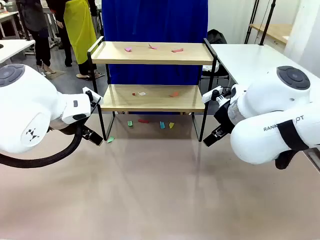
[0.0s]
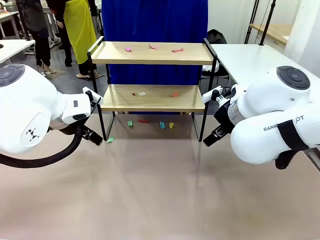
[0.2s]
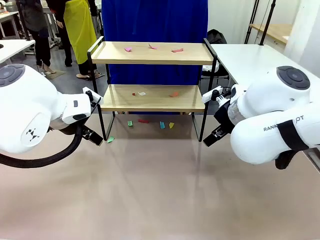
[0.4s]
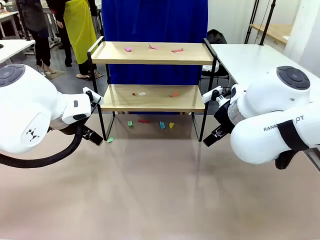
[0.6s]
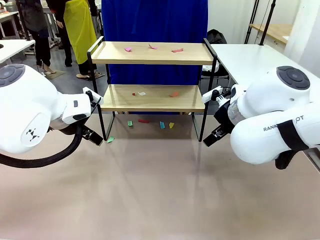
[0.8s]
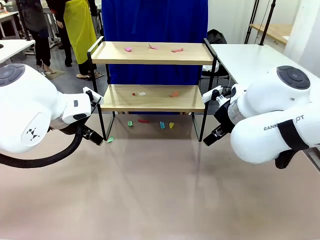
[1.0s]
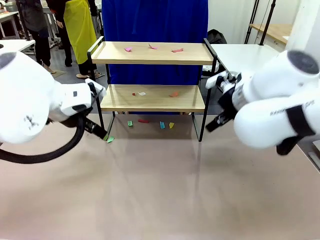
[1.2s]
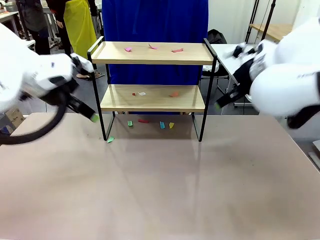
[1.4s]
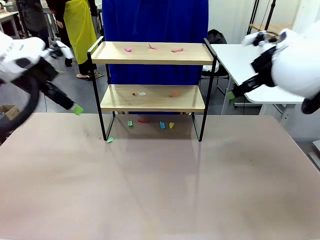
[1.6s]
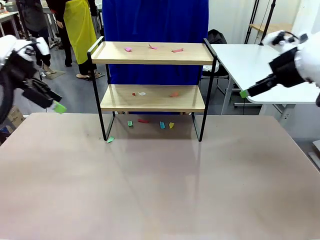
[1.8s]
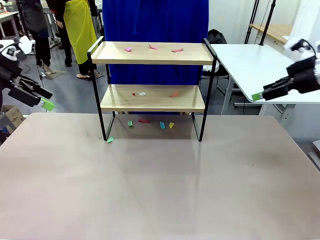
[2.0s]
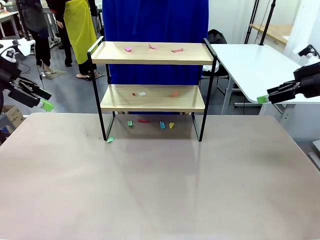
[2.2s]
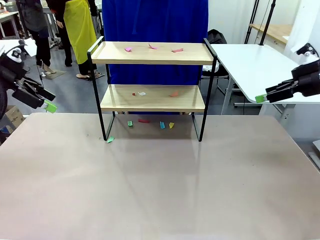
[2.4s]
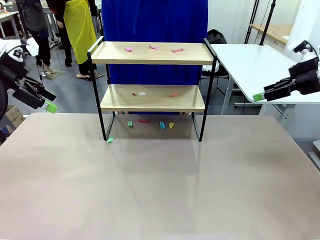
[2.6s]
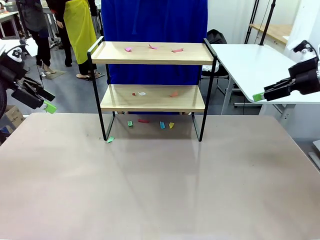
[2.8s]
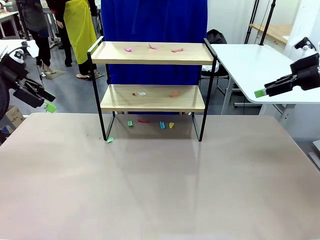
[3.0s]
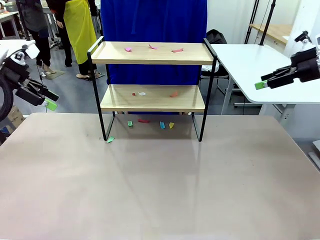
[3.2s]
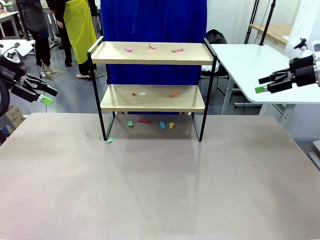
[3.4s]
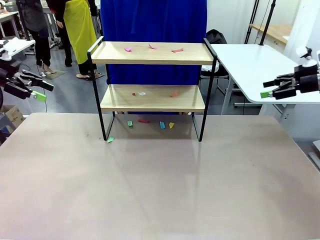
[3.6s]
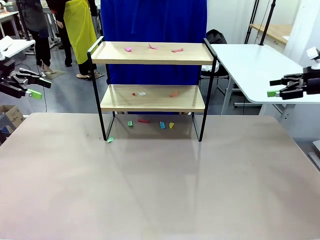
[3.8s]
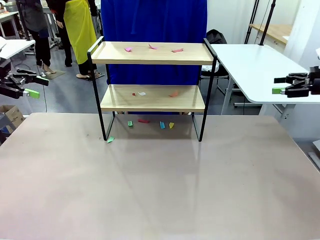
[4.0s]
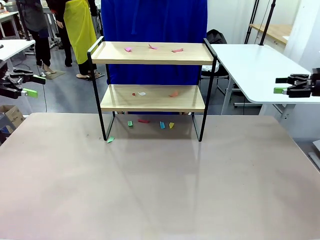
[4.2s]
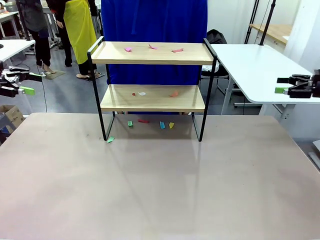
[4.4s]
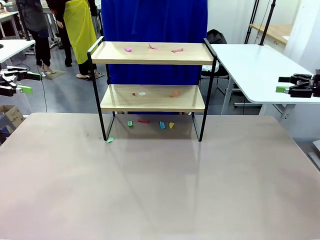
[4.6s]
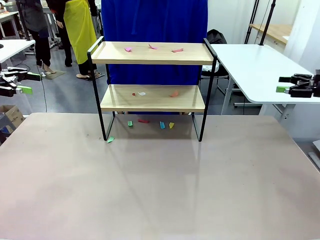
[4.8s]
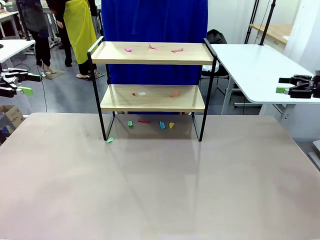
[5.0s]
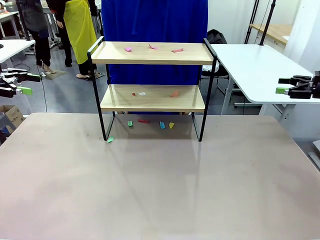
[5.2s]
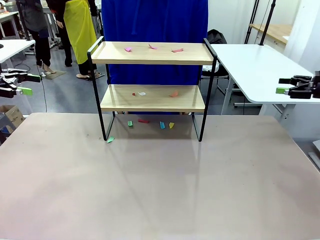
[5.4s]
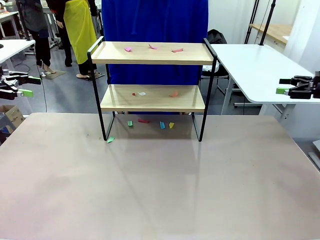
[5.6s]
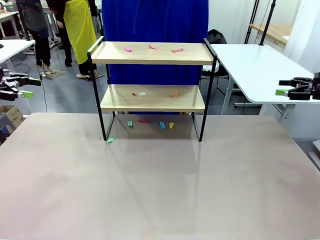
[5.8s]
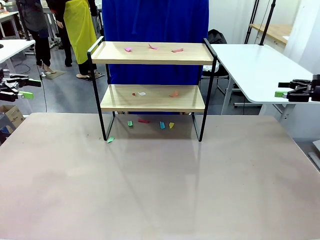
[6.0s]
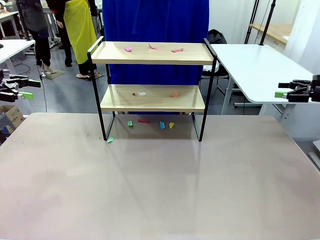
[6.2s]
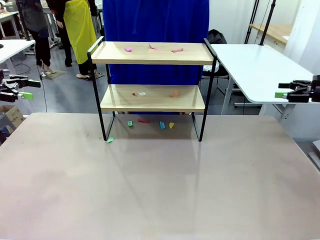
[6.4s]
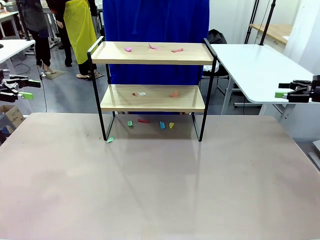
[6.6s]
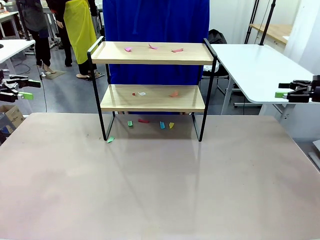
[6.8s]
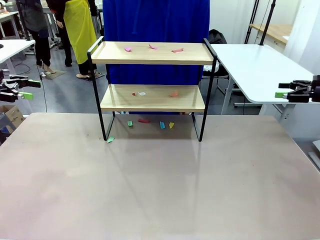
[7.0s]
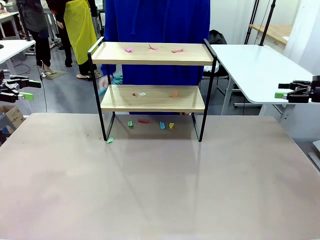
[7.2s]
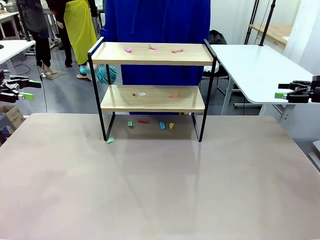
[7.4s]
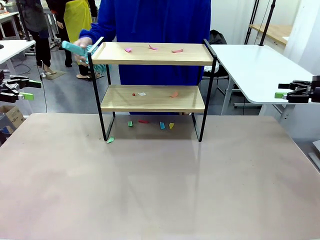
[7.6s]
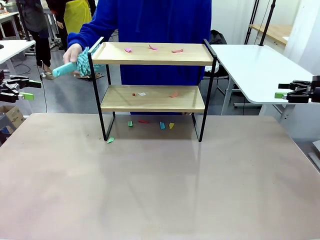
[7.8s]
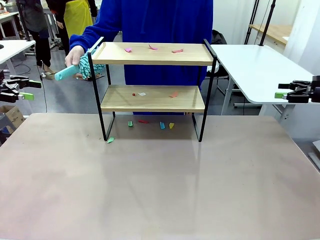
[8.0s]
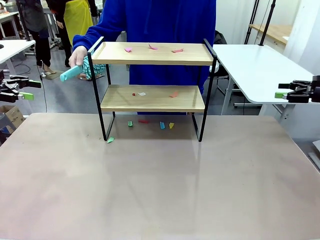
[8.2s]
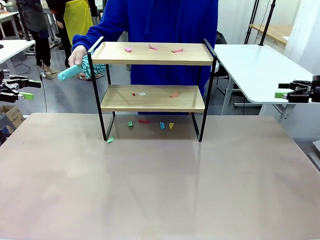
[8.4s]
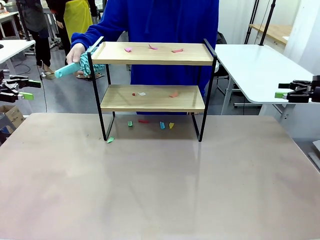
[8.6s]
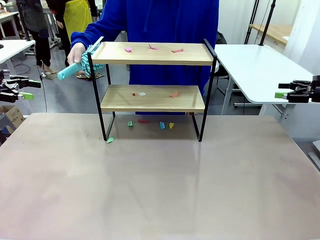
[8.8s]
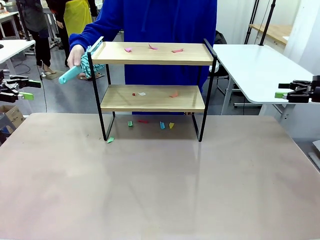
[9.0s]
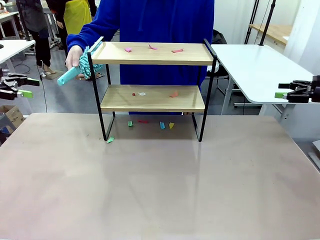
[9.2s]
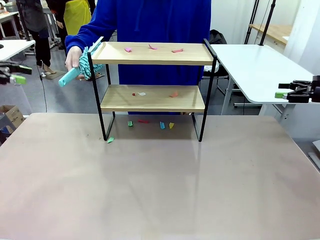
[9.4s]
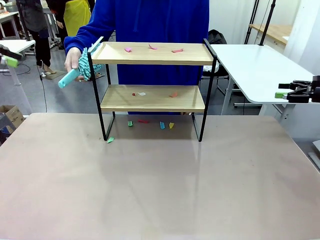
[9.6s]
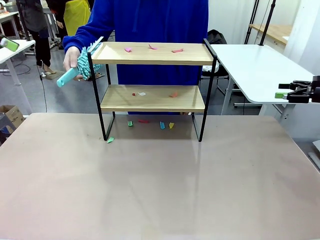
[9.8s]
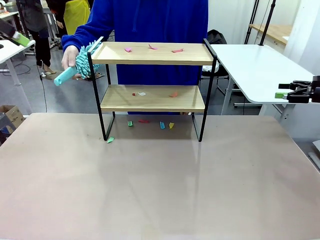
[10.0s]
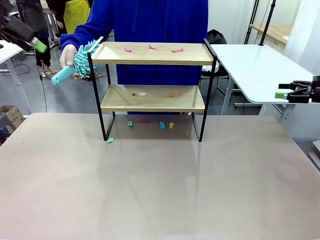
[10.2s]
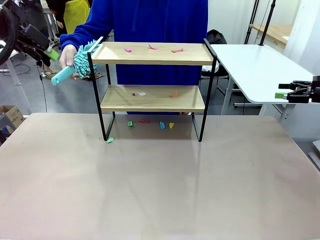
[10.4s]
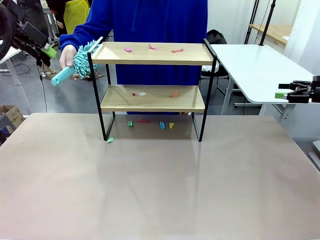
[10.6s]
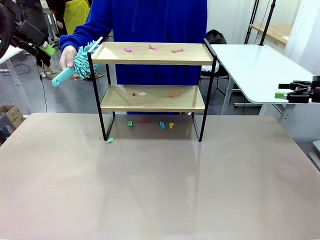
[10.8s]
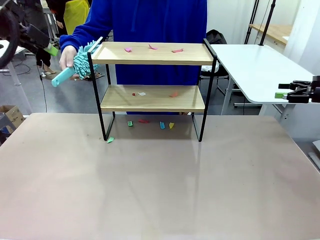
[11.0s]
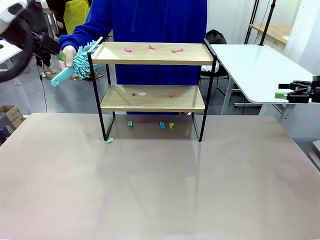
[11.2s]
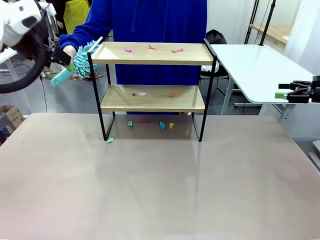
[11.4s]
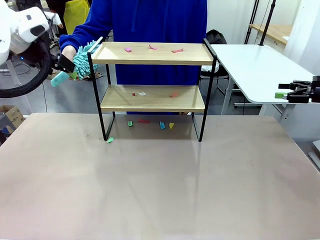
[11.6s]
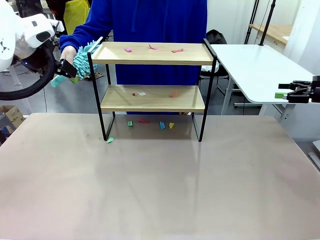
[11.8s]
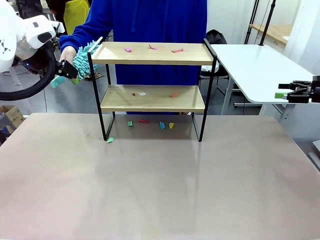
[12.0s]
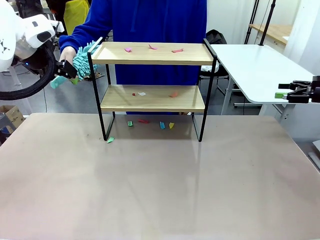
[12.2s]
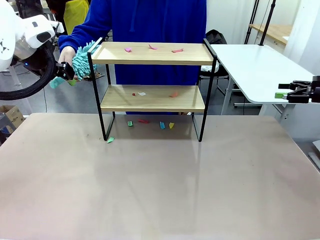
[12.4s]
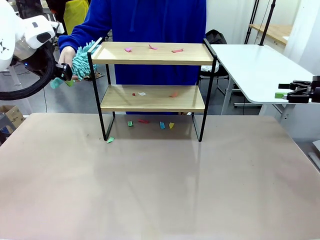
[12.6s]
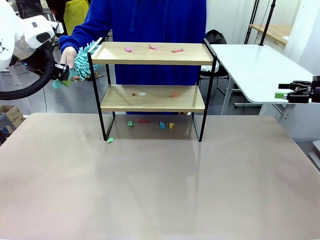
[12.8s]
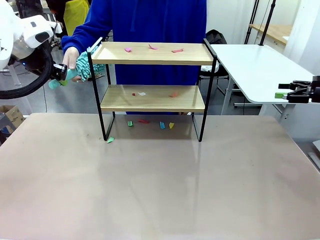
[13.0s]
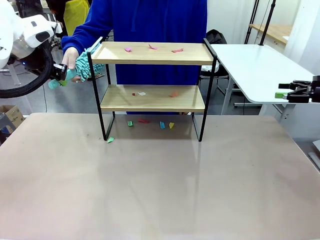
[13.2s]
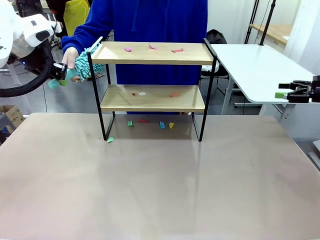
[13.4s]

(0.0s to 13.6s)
Task: Clean the shelf.
Robot: Pick up the Duster handed by the human.
Person: Hand the Duster to the robot.
